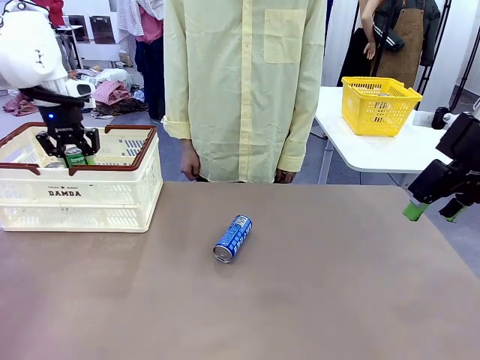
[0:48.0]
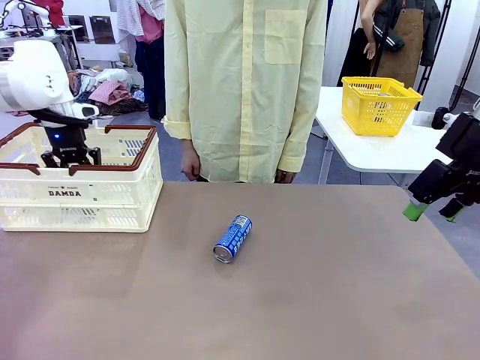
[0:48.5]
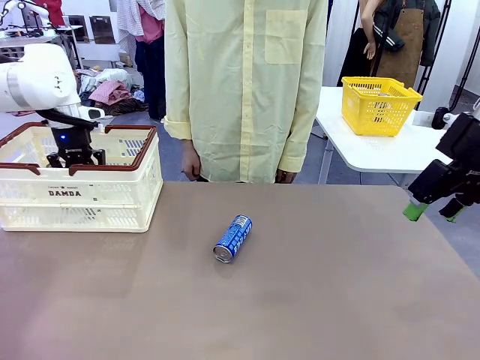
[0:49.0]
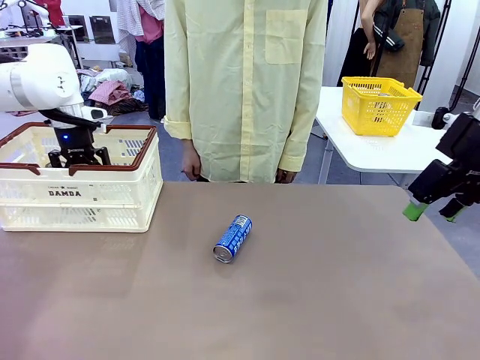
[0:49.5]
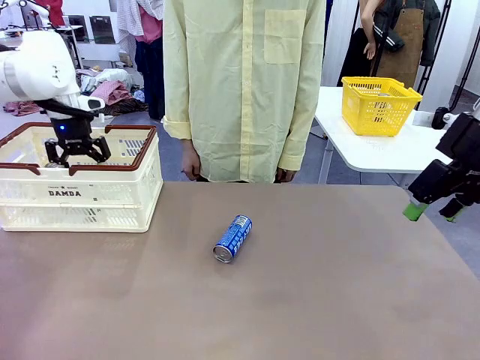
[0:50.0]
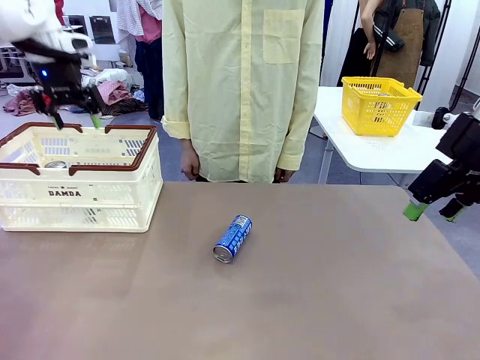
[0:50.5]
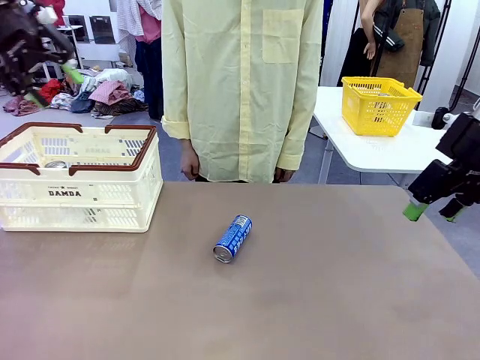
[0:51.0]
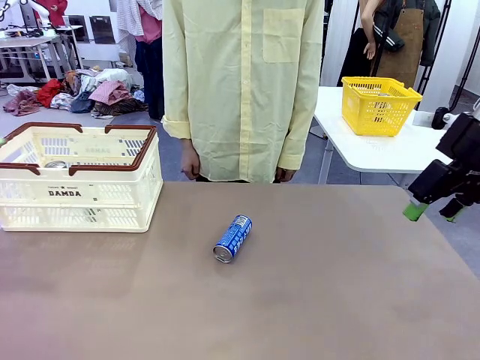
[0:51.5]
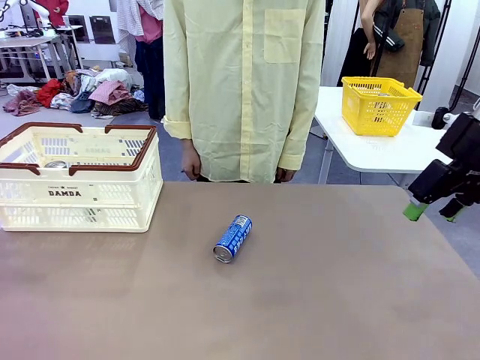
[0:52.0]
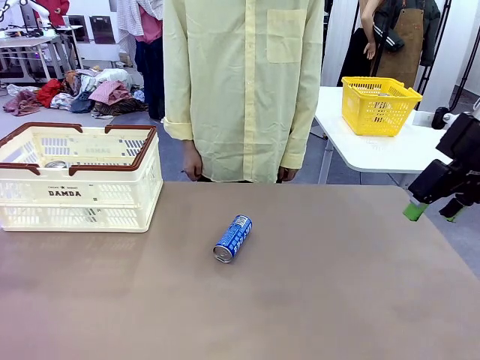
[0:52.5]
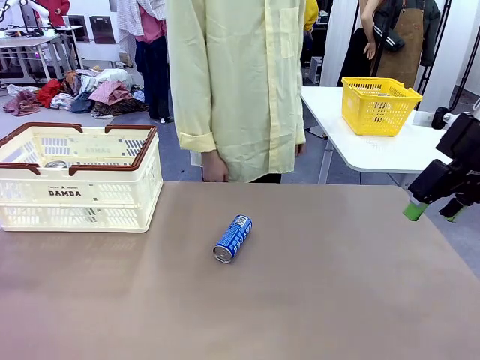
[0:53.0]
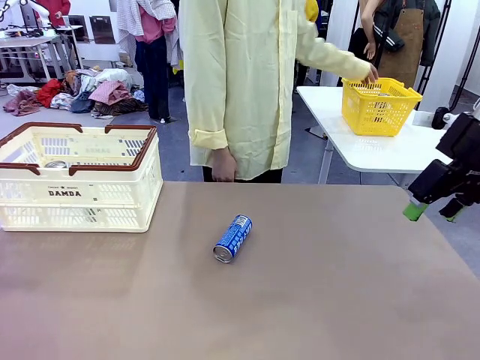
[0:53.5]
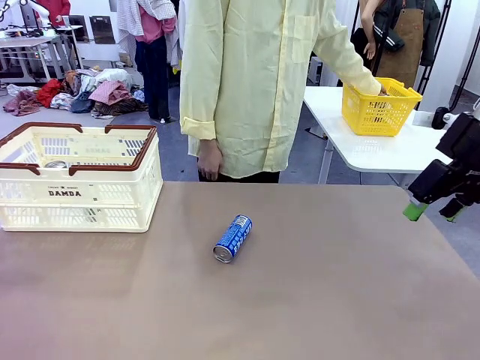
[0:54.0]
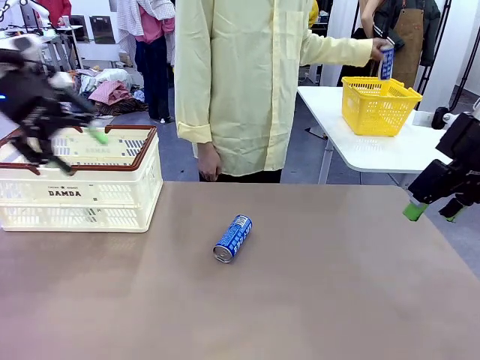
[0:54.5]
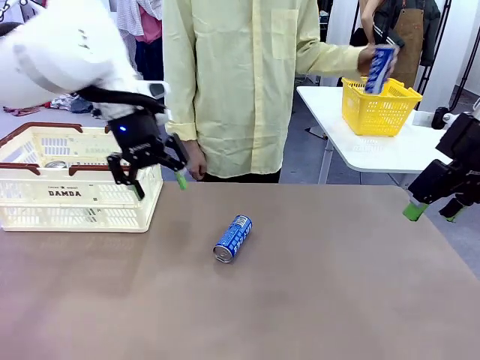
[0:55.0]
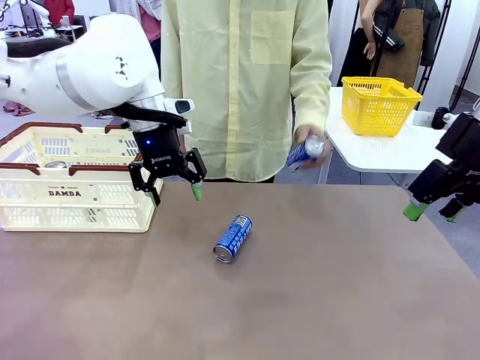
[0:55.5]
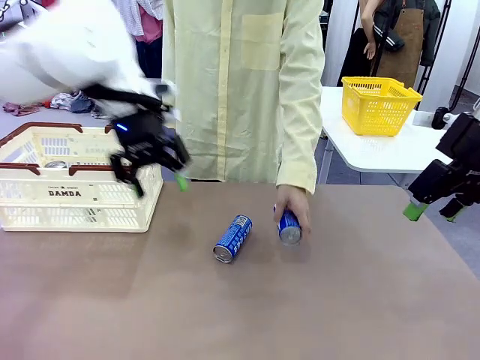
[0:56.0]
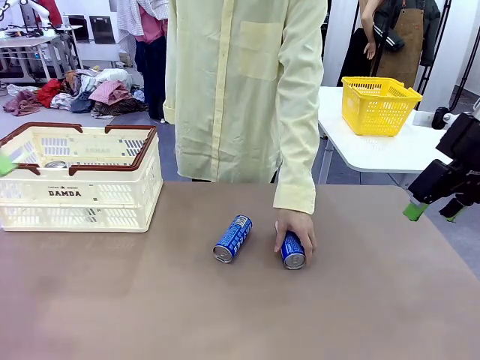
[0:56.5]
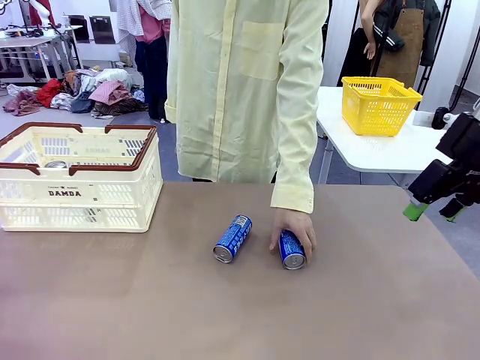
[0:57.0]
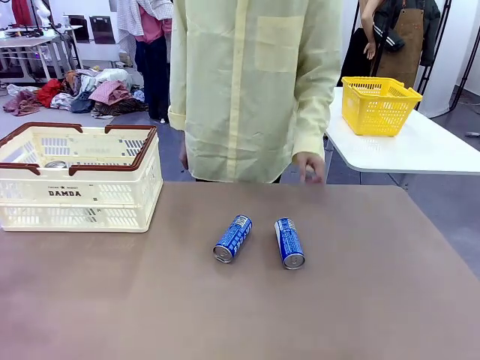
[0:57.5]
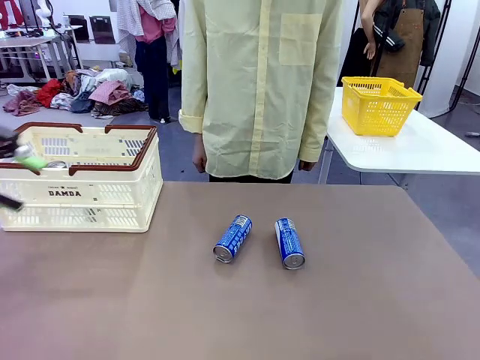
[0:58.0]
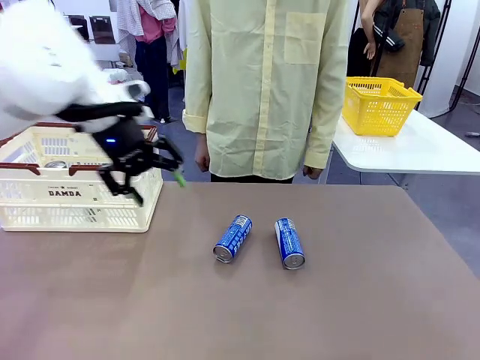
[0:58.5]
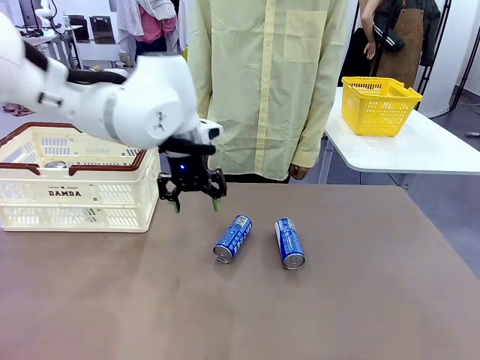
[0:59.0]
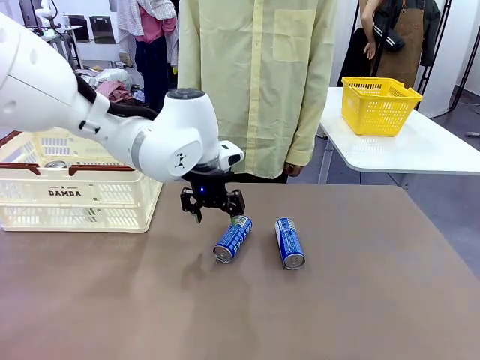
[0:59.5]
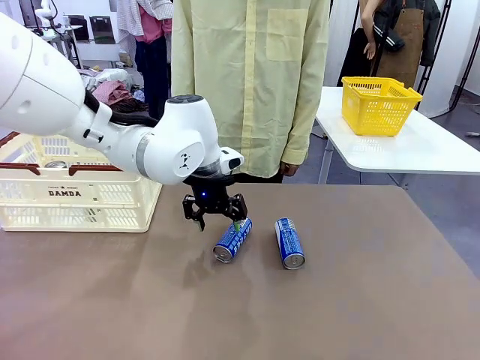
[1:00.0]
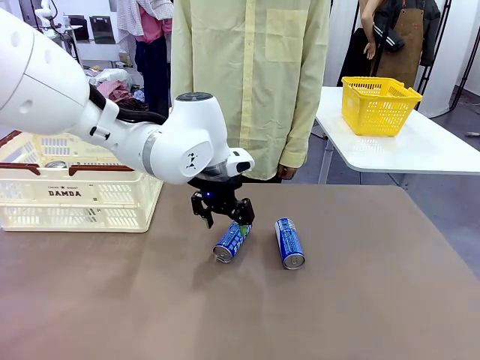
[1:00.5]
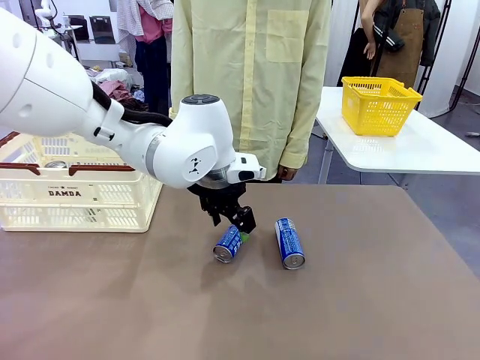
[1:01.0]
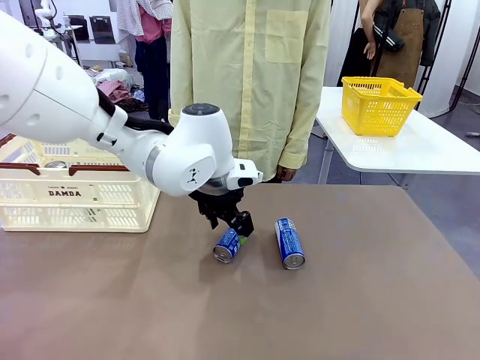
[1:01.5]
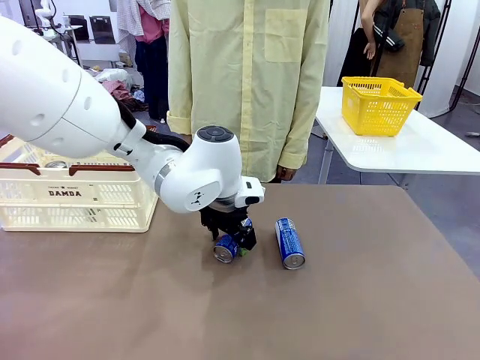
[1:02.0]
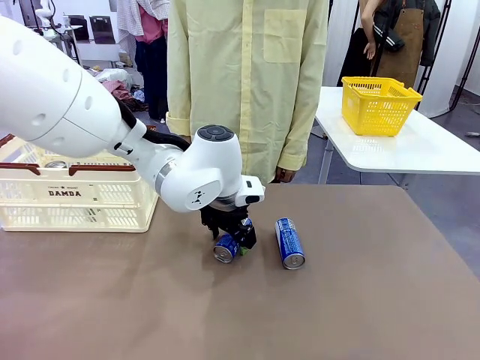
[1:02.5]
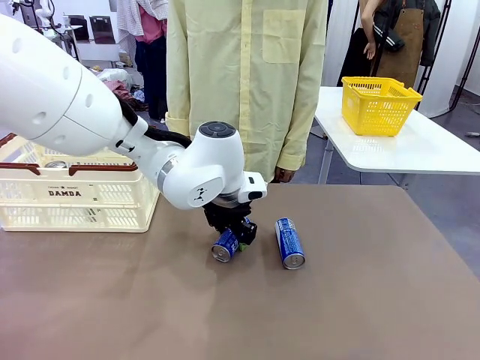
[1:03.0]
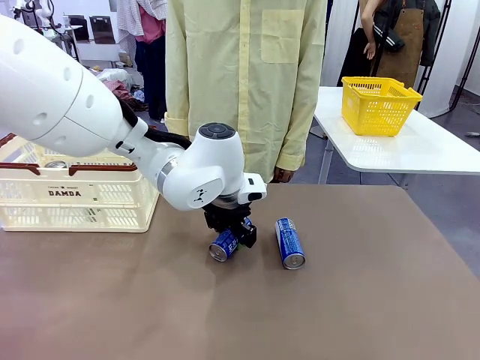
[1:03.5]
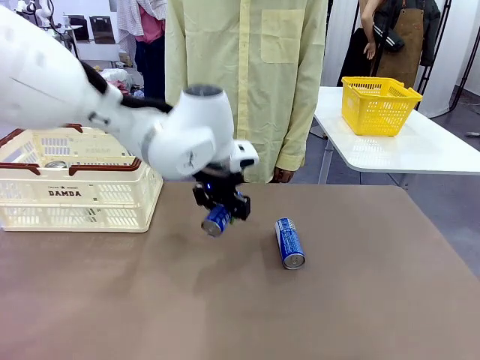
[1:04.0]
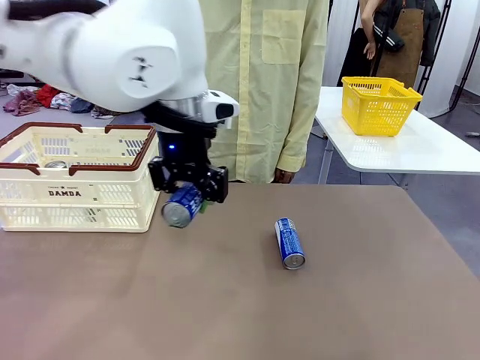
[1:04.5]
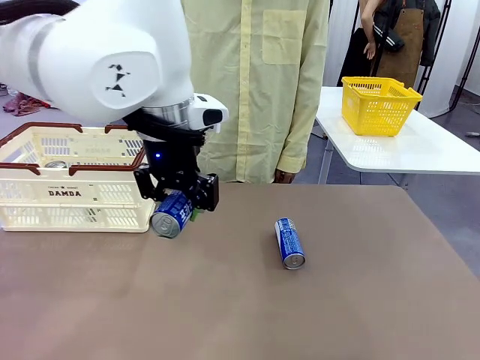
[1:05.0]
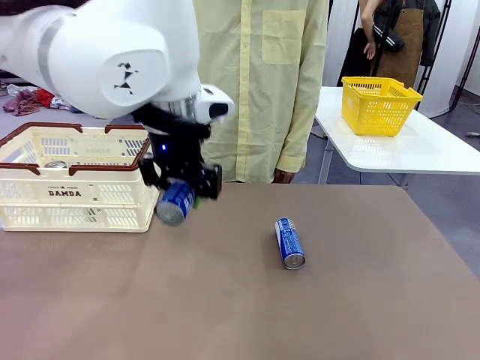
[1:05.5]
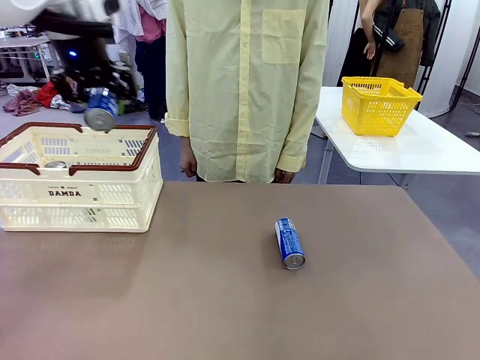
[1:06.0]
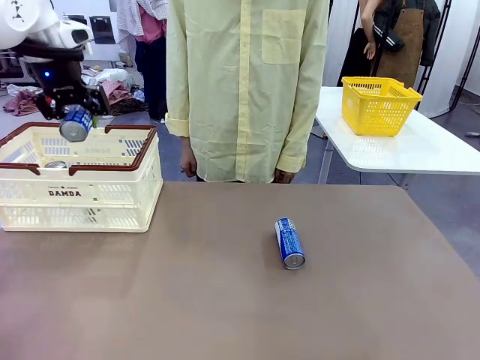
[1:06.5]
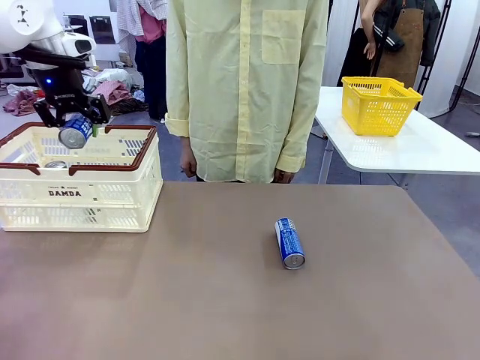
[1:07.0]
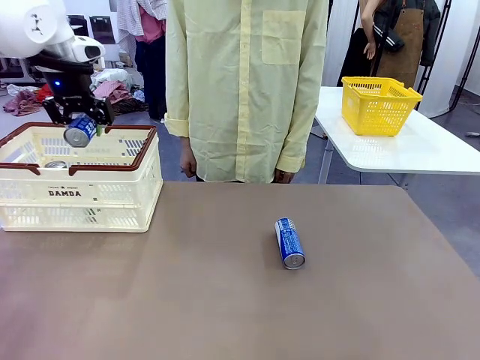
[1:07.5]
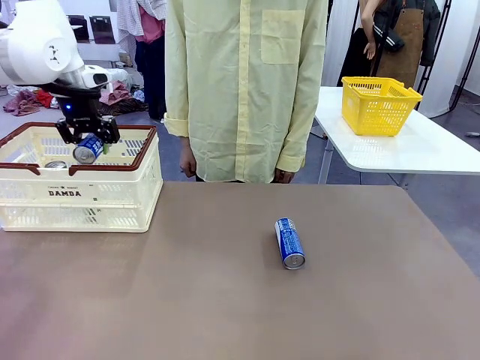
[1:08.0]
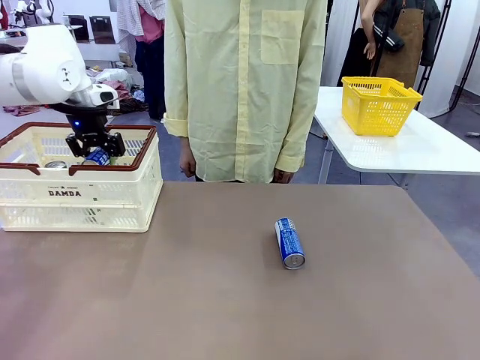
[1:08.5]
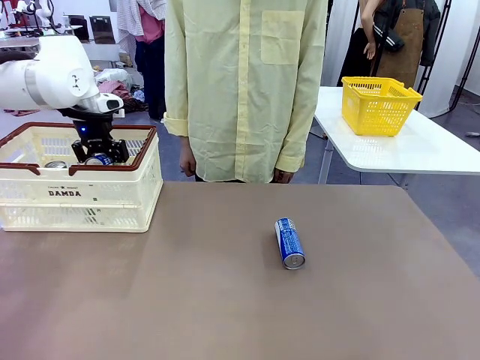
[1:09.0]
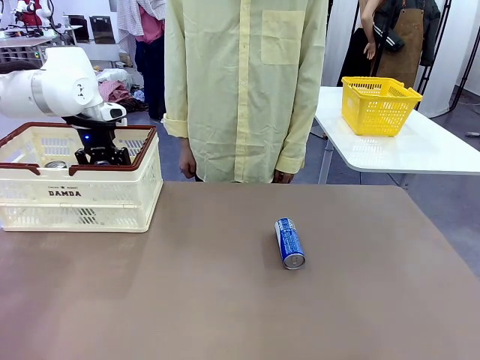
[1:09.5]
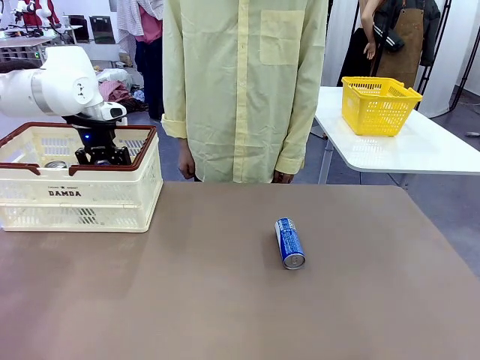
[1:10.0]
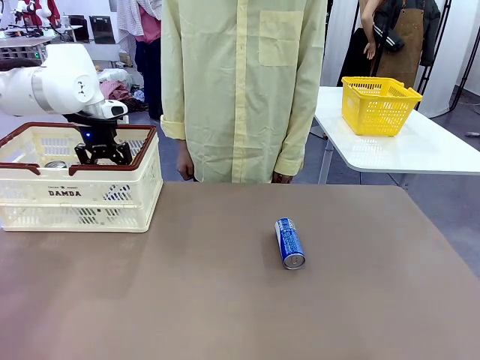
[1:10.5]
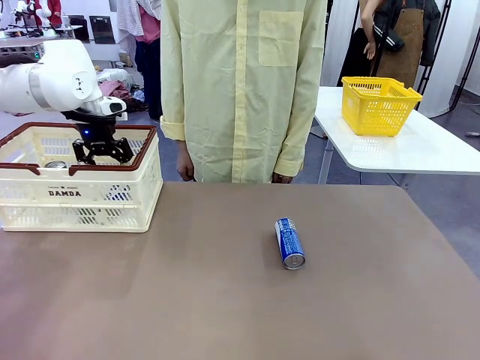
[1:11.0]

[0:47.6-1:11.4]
Task: Place the drinks into the Shopping basket.
Robot: Pick up one drink and place it into the Shopping basket.

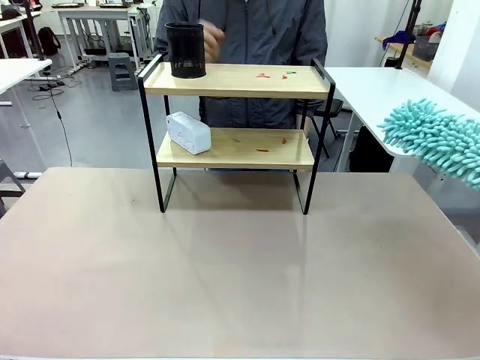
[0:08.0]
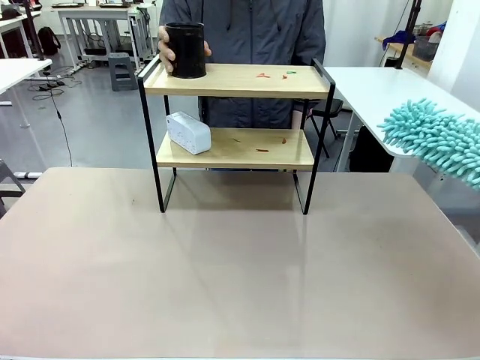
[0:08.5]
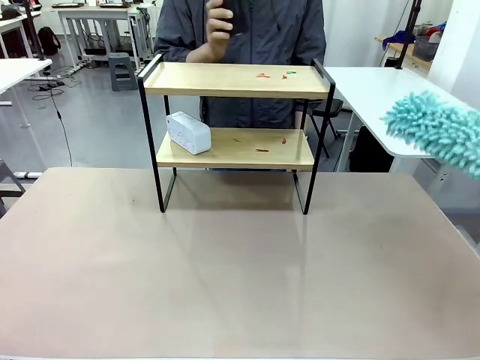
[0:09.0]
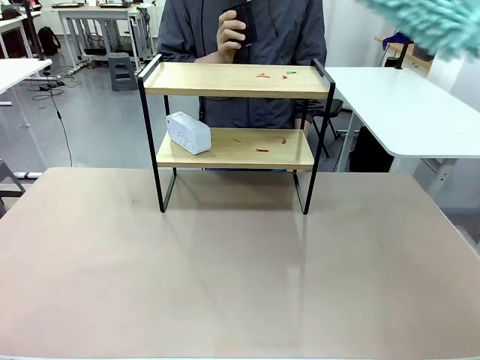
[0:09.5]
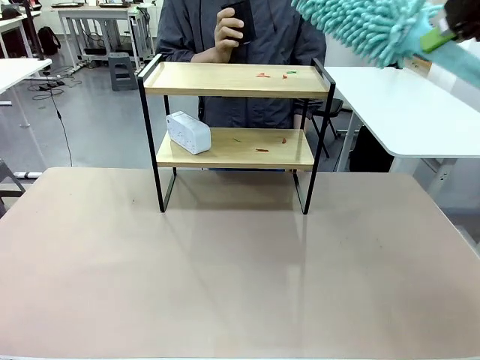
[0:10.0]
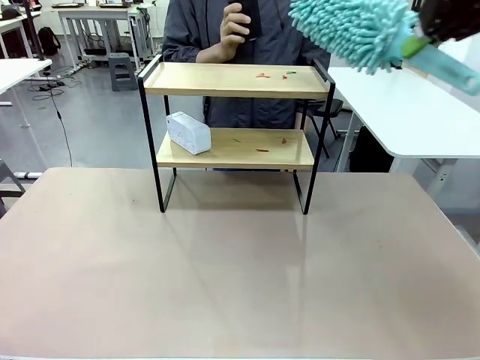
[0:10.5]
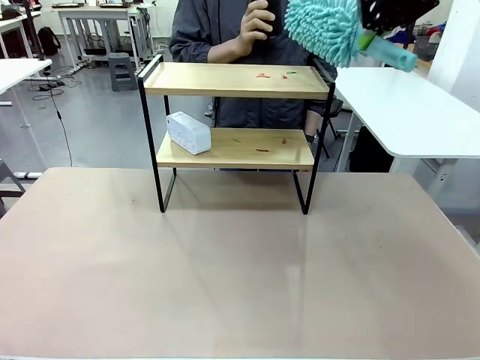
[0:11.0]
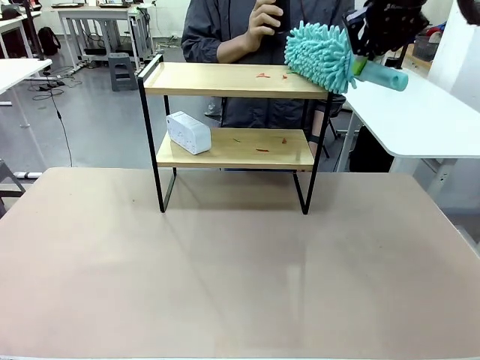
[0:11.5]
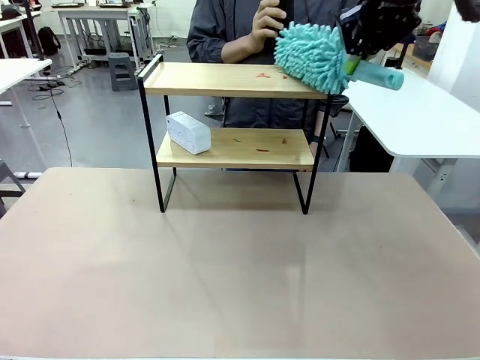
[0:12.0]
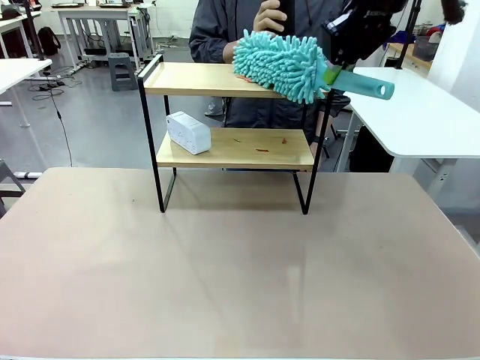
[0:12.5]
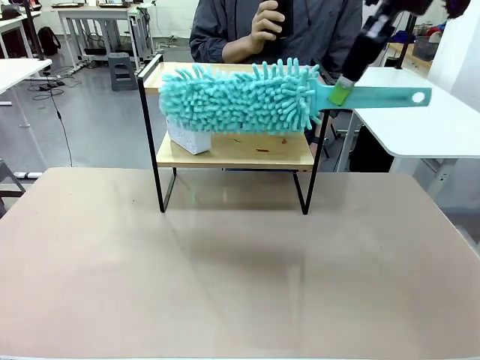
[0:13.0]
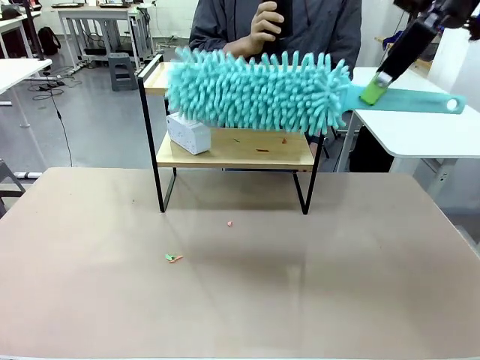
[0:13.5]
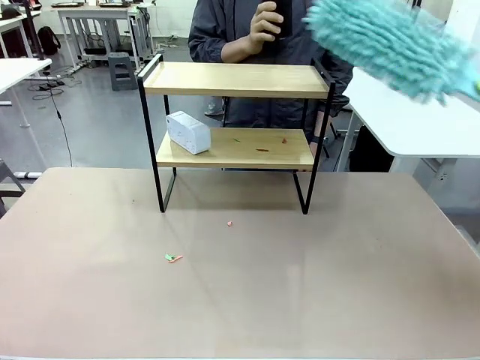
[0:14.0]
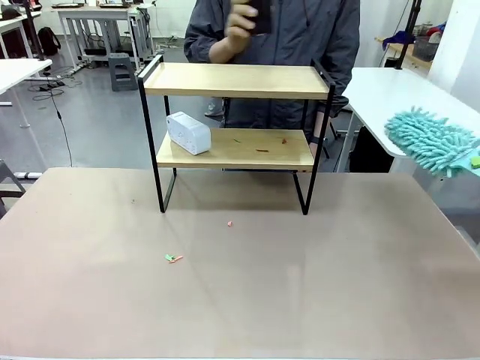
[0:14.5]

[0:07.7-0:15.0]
Task: Clean the shelf.
Robot: Clean the specific tier of the Shelf with the Duster once objects are removed.
Person: Lift the objects on a randomly selected tier of the Shelf. Once the robot finishes cleaning, lift the objects on the remaining tiers of the Shelf.
